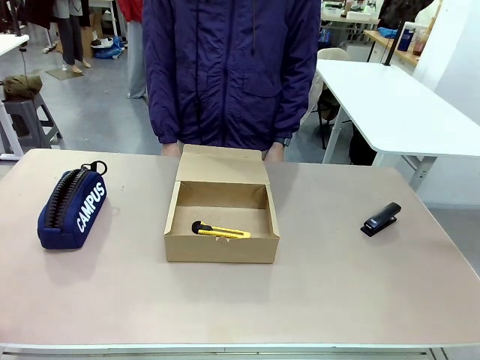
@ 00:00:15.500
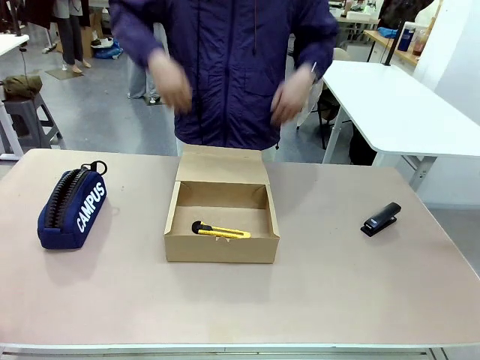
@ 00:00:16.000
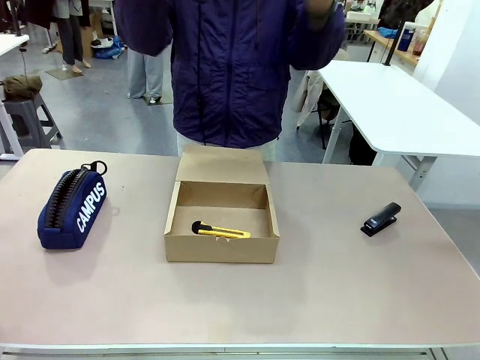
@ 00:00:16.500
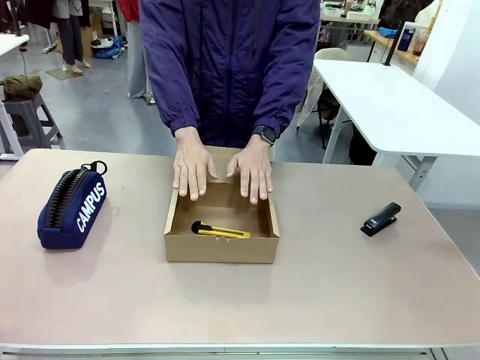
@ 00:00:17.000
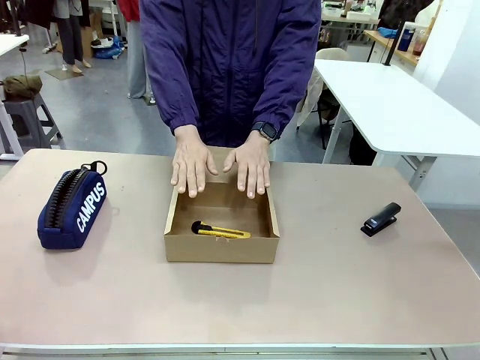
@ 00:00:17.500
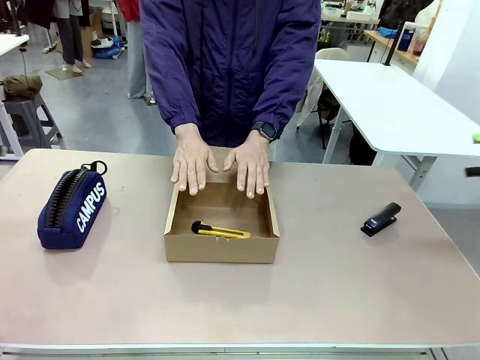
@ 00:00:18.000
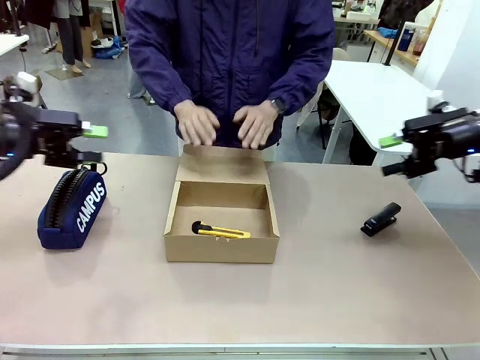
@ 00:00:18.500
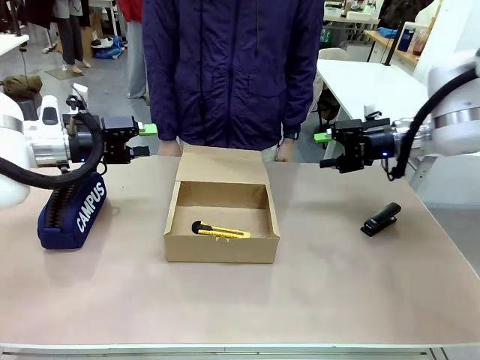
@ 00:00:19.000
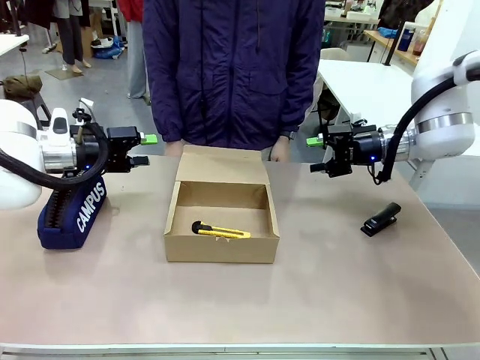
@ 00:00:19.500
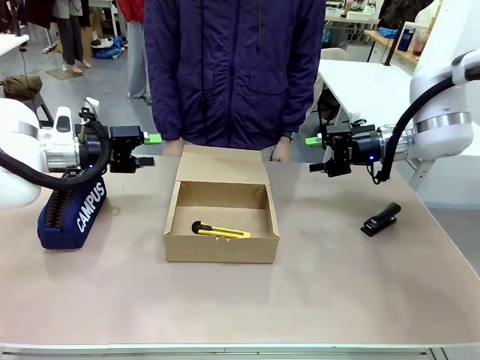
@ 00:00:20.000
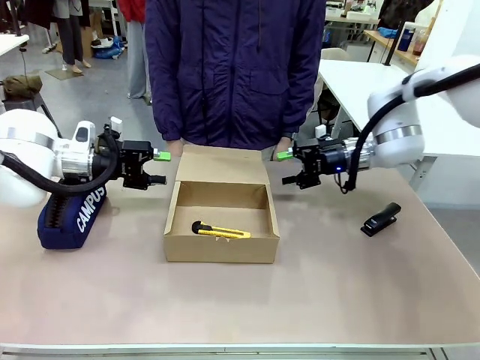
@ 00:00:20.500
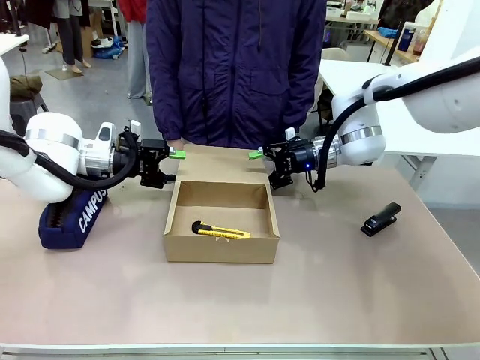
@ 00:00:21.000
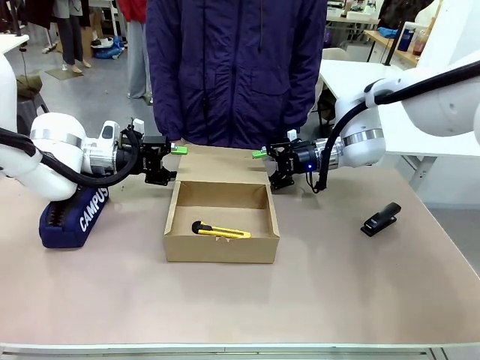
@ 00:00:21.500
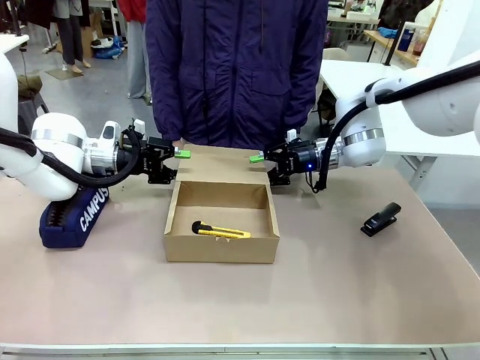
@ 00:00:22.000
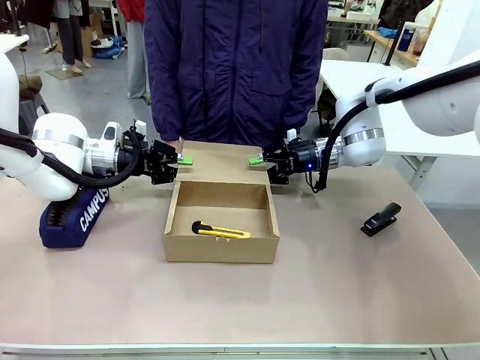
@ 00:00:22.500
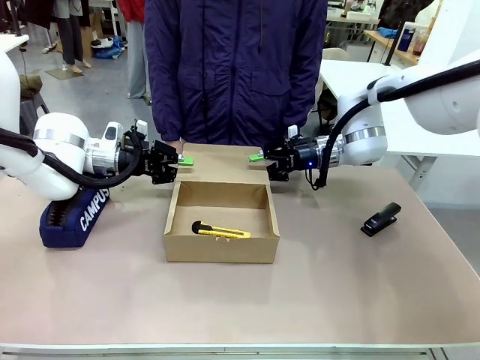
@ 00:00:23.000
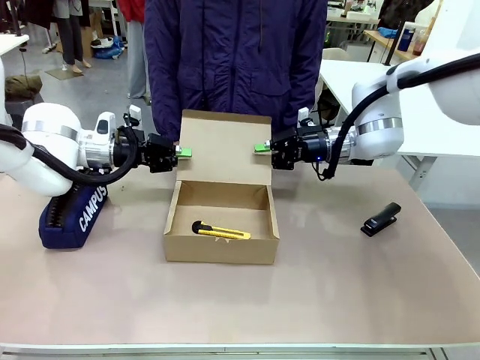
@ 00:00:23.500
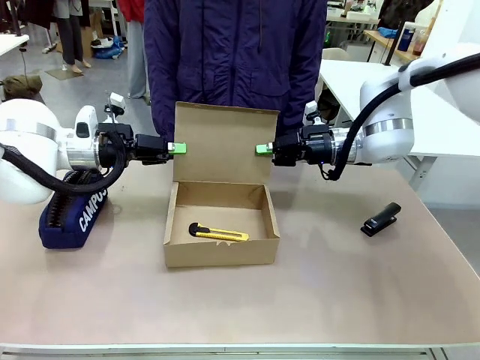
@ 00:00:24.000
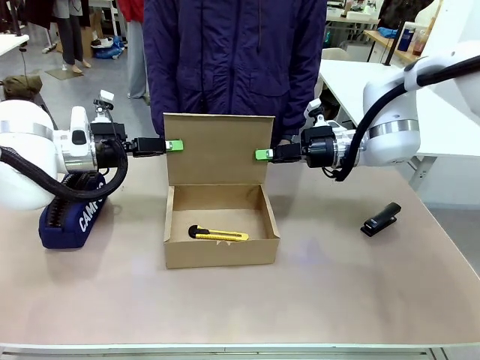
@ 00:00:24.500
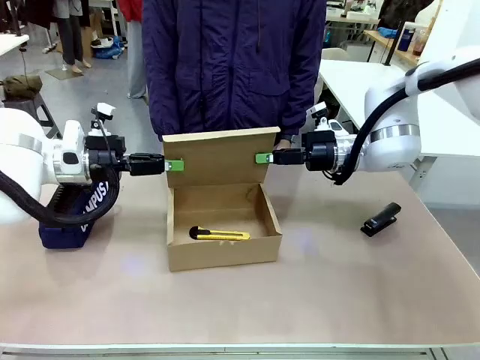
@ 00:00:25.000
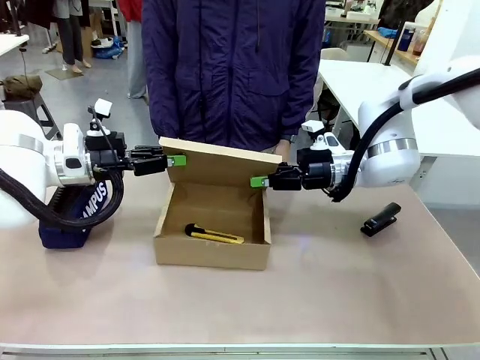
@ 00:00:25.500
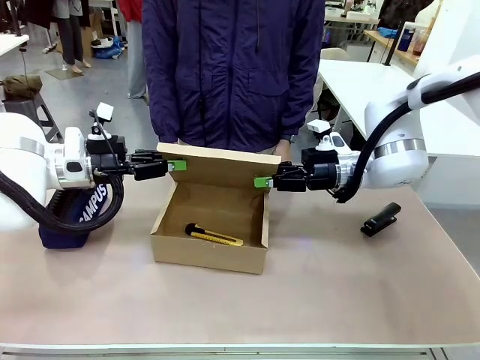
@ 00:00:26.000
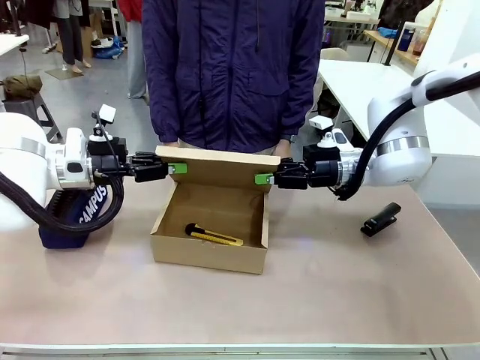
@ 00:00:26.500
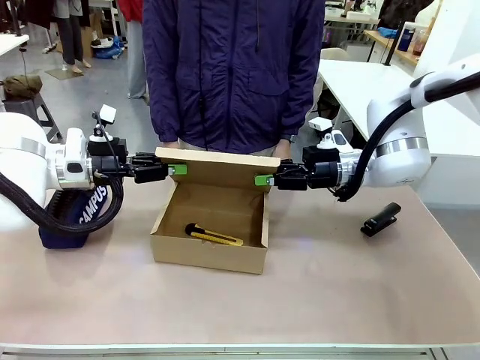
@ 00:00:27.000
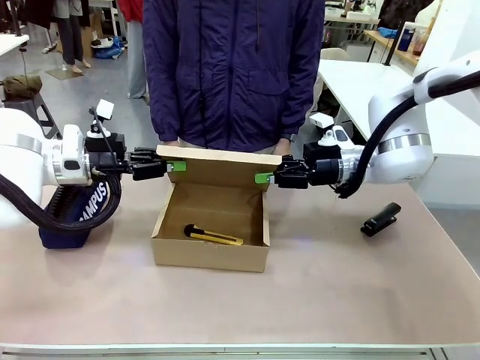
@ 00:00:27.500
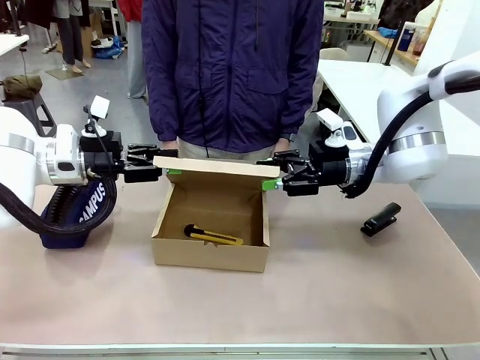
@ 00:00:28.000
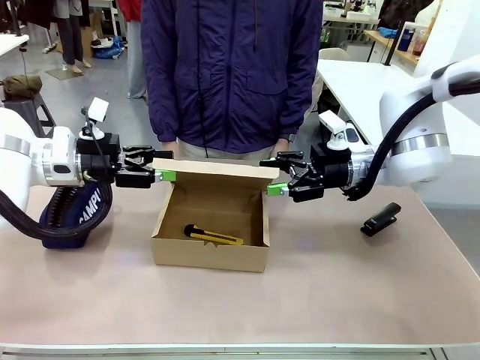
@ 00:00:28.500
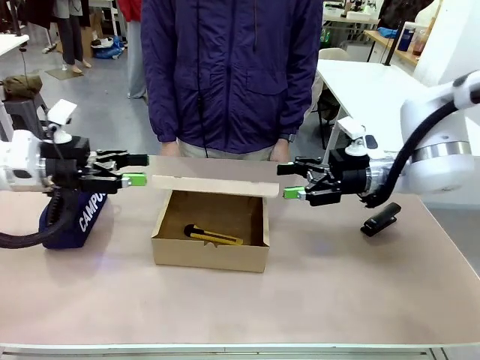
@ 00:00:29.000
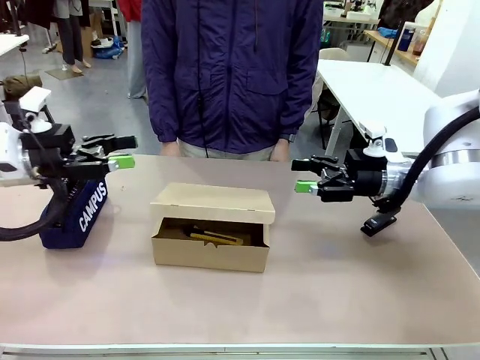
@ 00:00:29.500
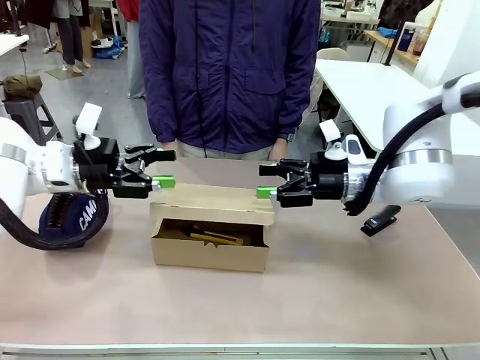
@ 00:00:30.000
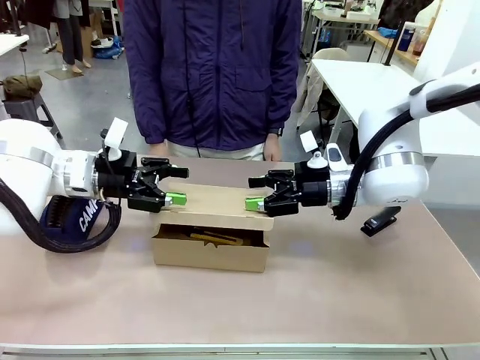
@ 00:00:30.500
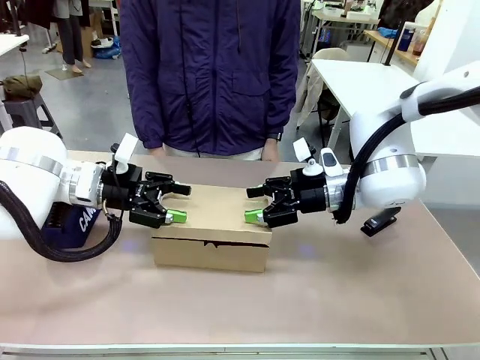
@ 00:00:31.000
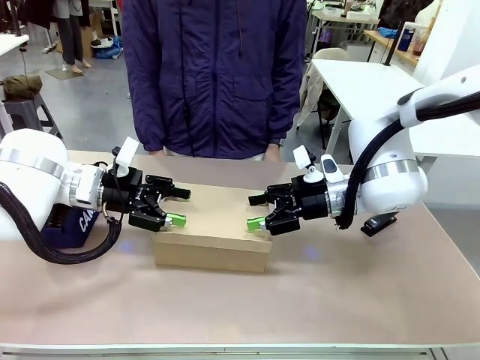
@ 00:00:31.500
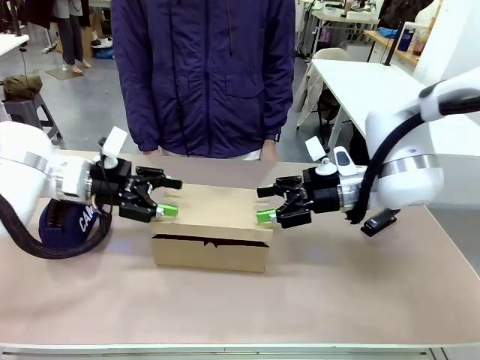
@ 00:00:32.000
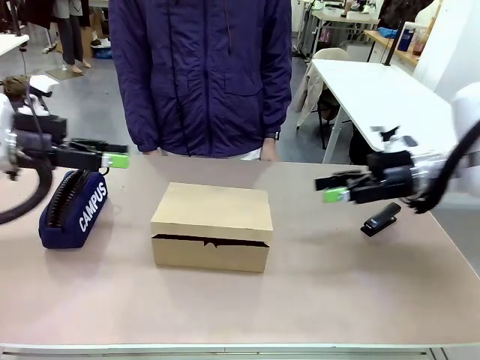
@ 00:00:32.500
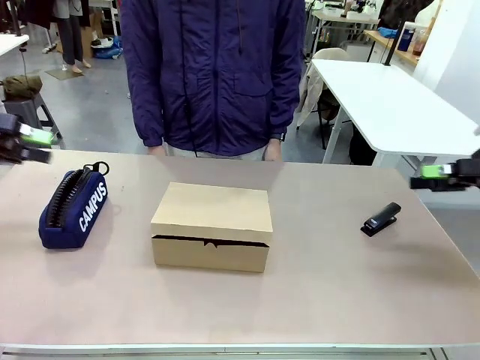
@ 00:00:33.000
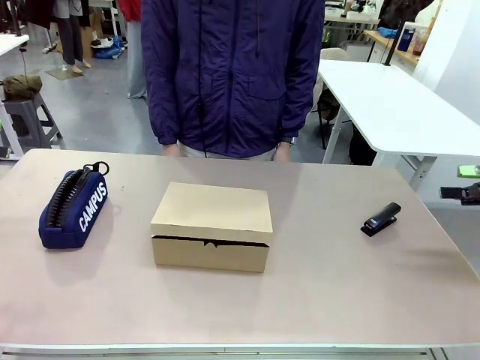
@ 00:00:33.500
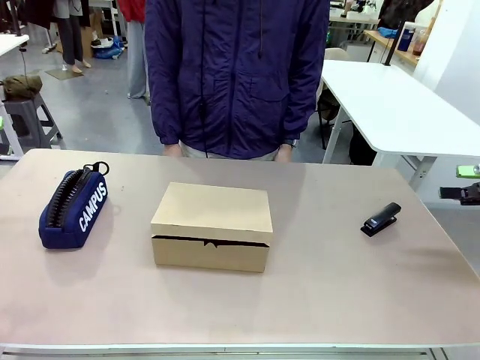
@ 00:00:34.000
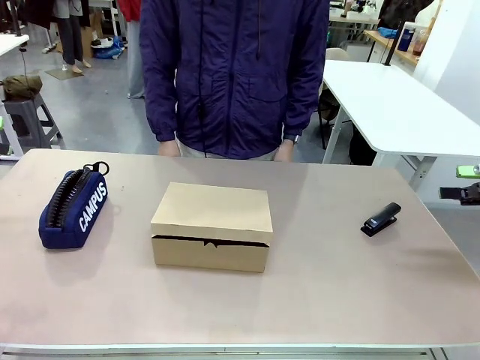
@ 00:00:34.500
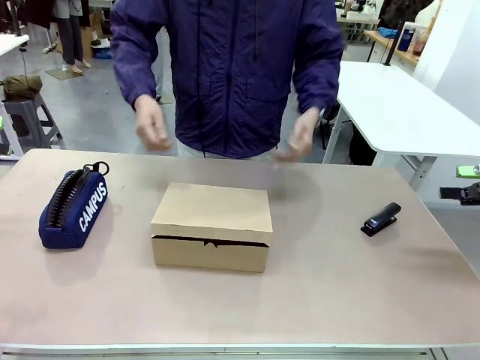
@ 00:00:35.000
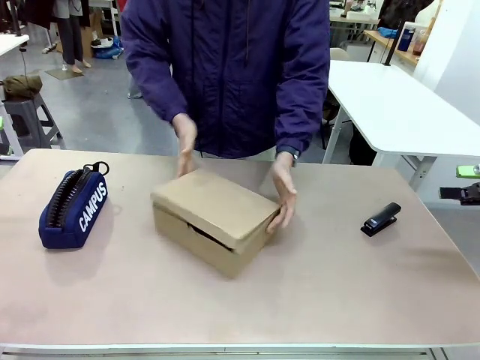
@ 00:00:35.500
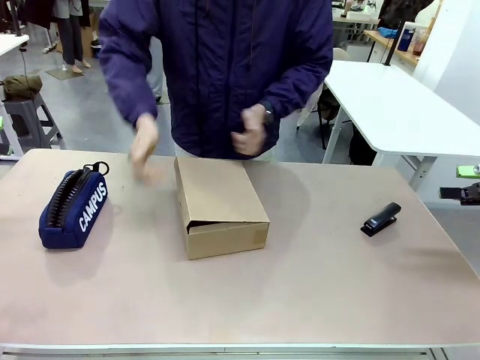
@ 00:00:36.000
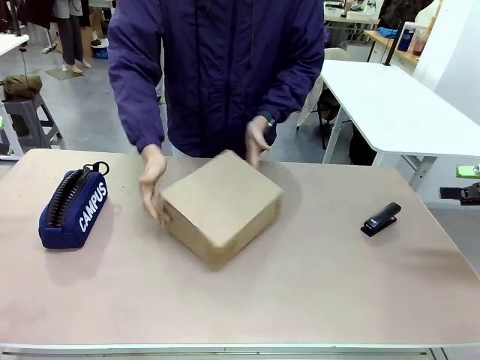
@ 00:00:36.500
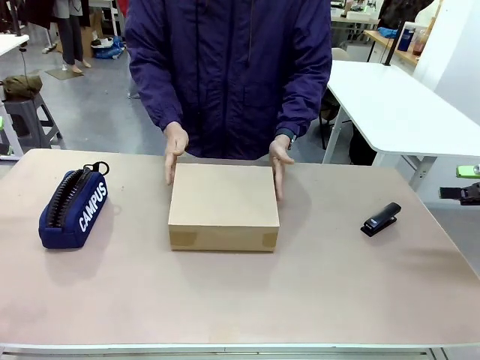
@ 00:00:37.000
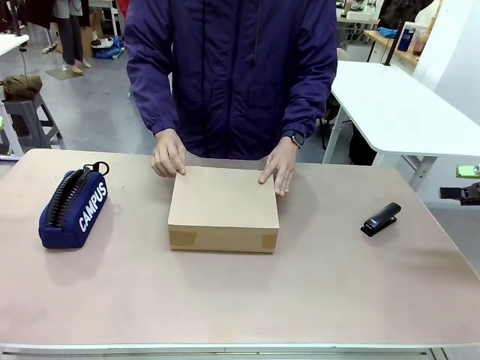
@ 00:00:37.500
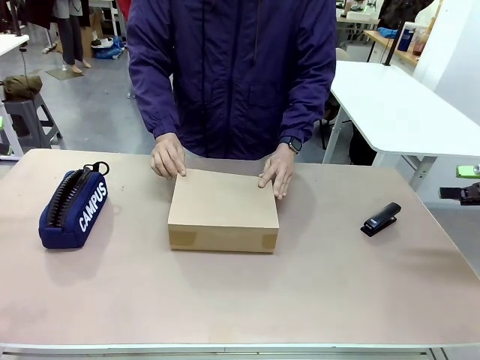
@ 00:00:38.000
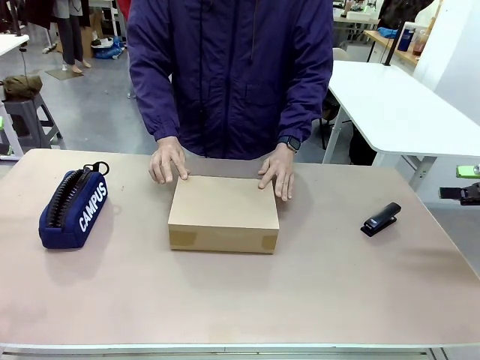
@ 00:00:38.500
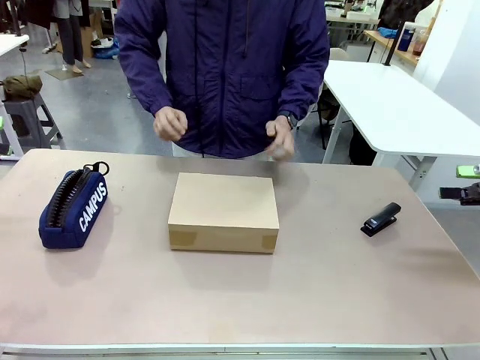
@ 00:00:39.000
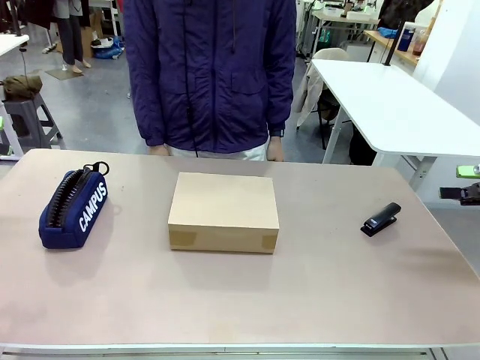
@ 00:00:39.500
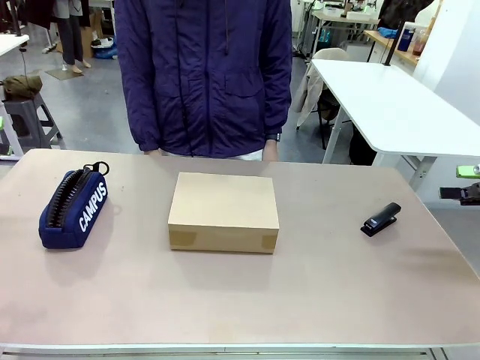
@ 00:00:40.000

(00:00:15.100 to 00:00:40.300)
Task: Pack the item into the box.
Robot: Close the Mailer Box.
Person: Lower both hands vertically with palms facing downward, as if pressing something closed. Turn the box and lock it.
